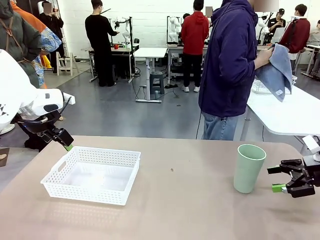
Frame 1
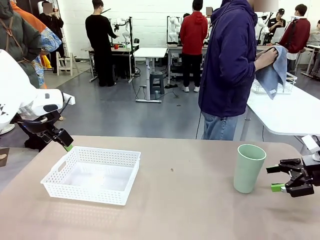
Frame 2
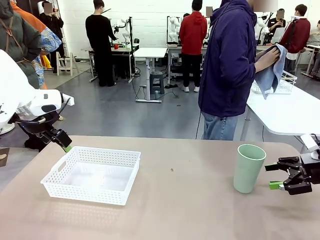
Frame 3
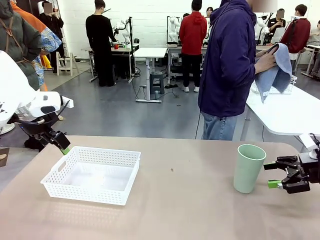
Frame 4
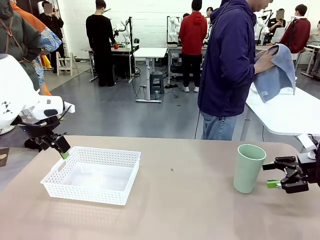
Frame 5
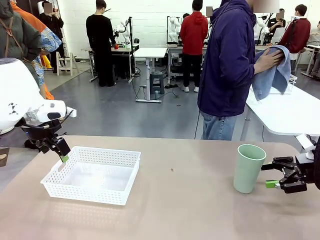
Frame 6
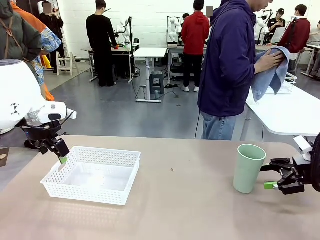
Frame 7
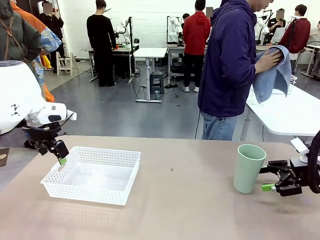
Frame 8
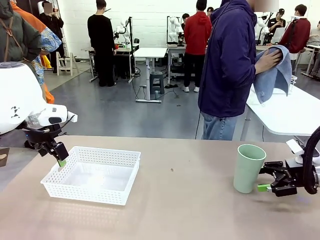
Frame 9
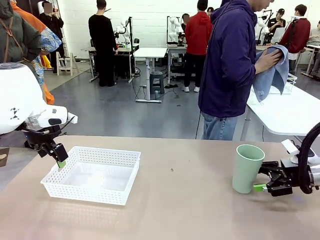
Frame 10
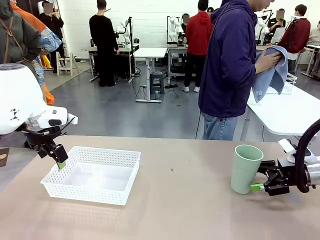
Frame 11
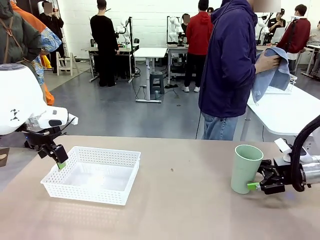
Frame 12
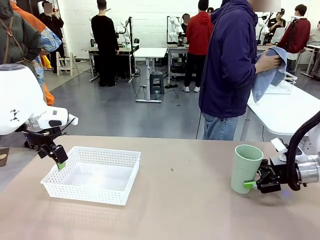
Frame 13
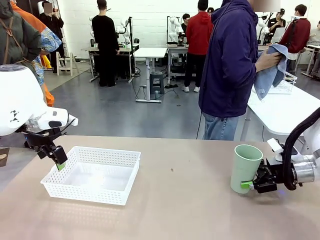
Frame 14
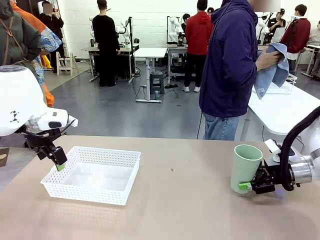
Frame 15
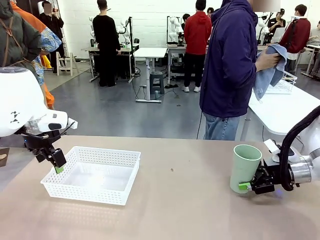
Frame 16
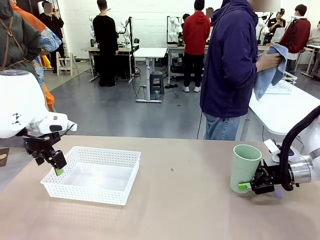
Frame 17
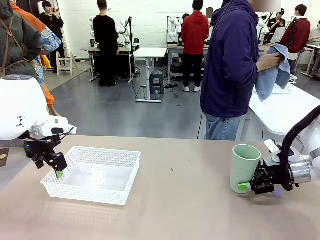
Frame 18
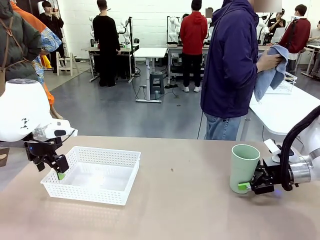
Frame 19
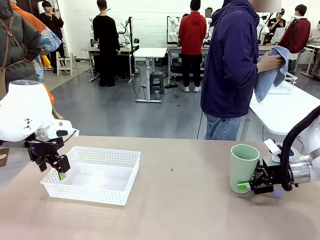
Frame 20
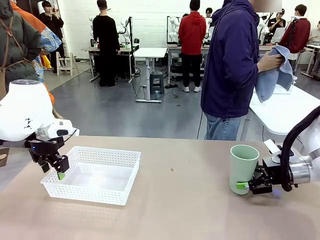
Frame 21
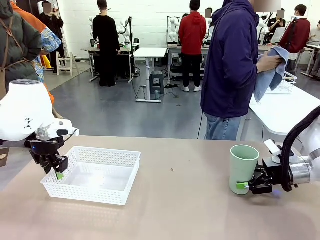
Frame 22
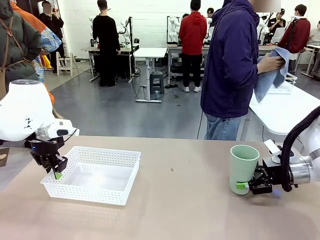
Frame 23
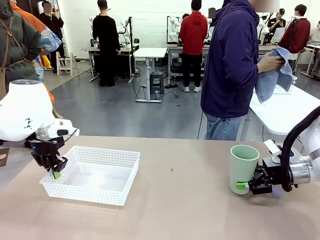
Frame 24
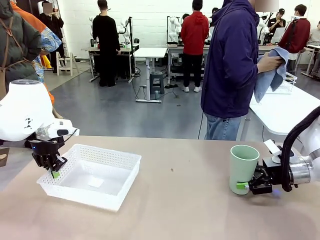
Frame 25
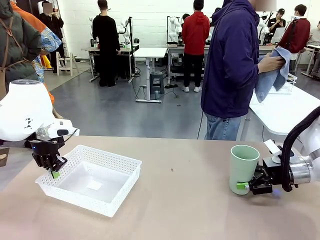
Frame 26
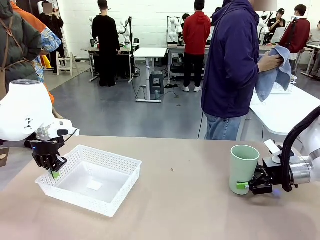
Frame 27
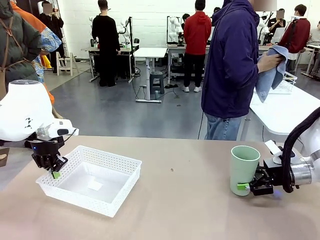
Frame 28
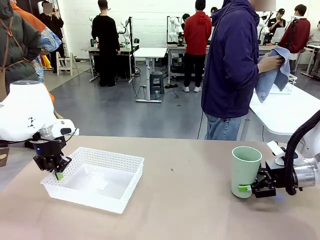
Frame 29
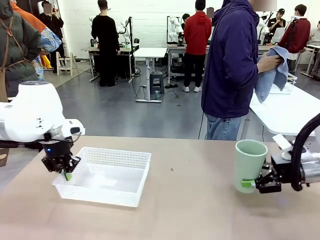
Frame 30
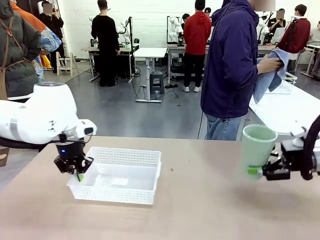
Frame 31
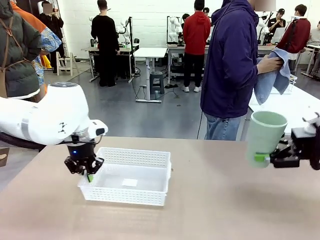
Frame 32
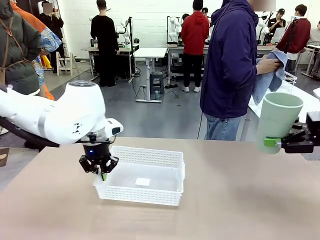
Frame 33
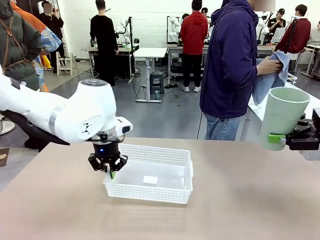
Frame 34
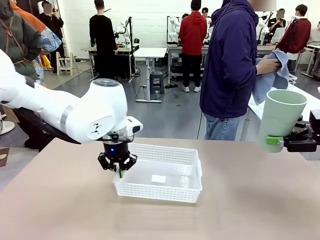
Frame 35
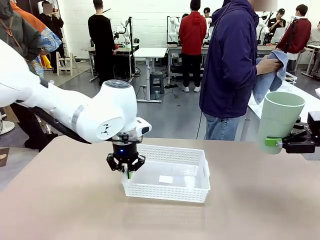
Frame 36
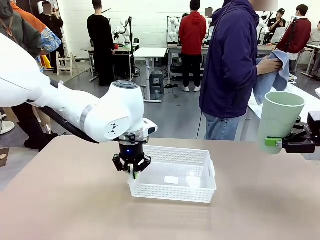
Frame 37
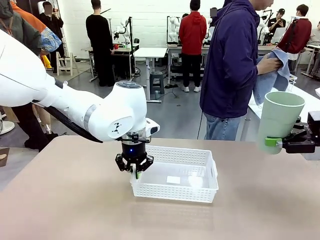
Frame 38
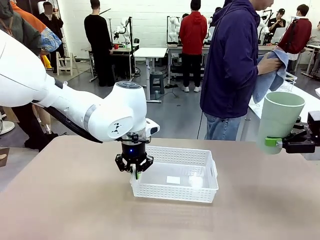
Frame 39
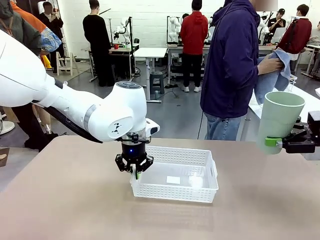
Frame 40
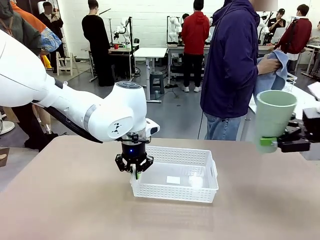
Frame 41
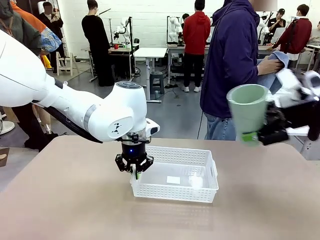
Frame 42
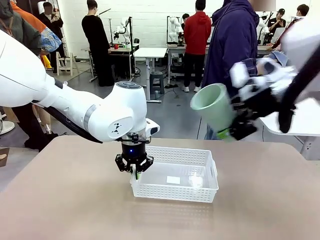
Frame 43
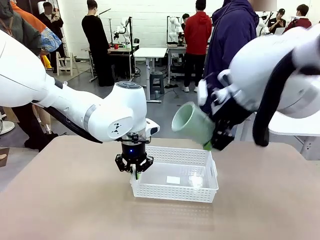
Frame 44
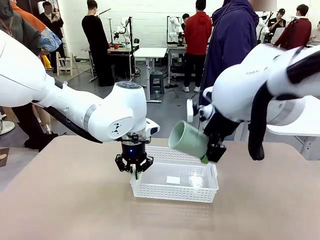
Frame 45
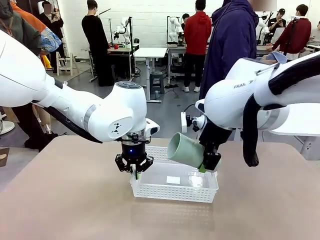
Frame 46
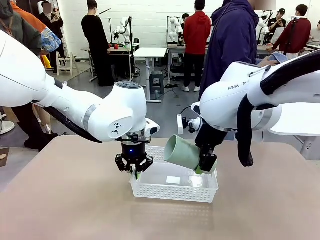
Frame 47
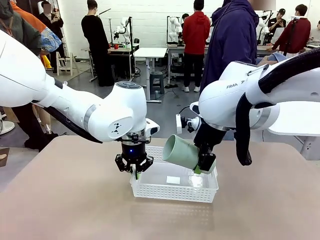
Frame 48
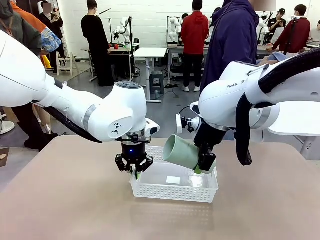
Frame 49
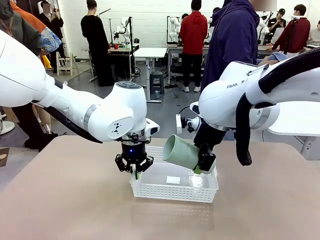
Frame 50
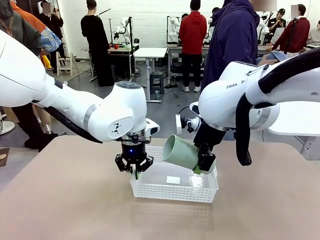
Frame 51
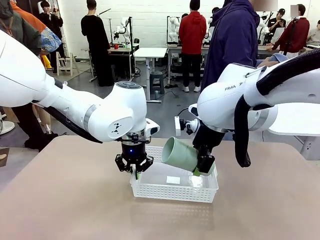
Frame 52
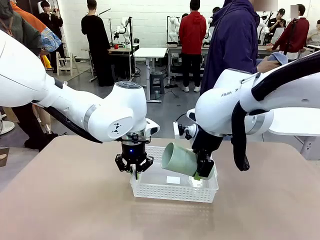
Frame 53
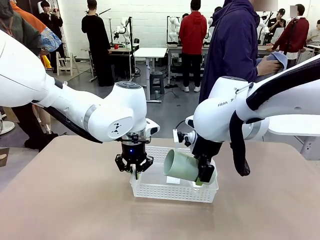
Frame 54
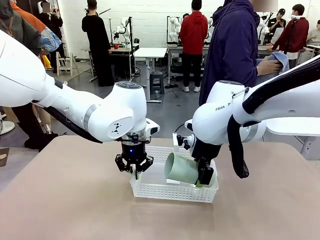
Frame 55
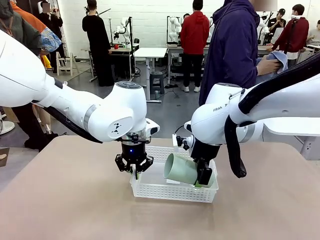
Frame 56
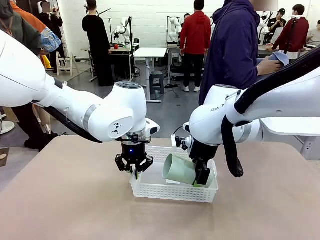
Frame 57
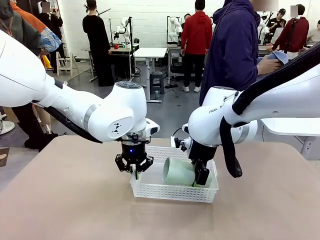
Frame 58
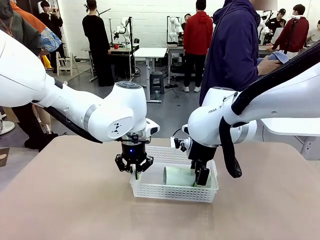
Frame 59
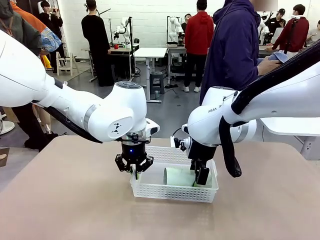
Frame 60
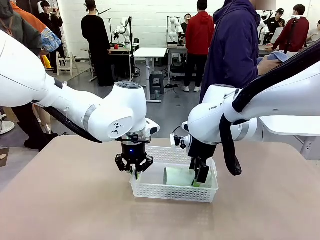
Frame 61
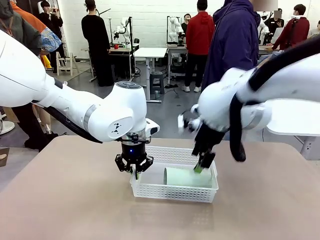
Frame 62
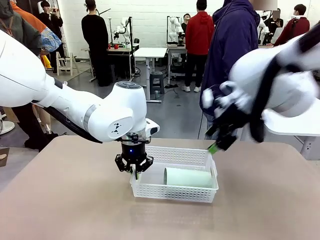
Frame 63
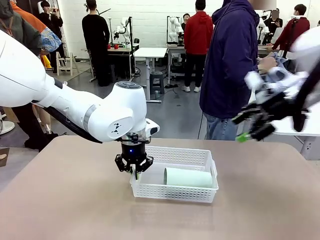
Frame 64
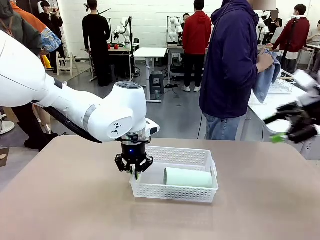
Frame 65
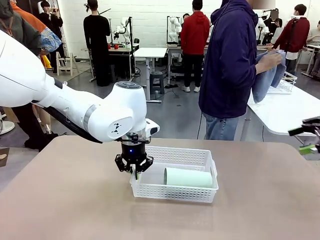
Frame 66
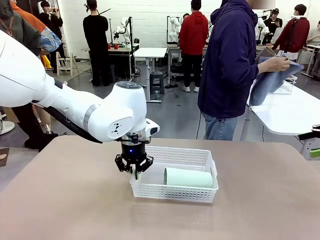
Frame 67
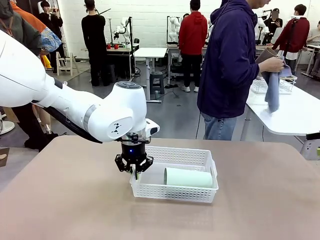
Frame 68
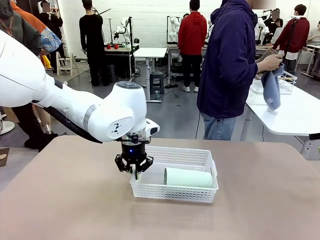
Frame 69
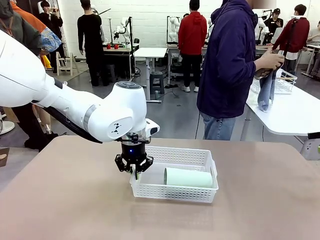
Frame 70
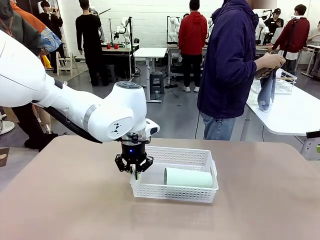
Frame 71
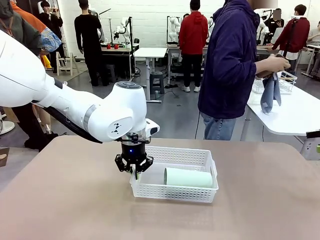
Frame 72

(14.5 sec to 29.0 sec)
Task: Clean and organize the cups into the basket.
Robot: Pick up the Organizing basket and move it to the center of the table, then pick up the Reusable plastic cup from the right side of the table and place it inside the Organizing basket.
